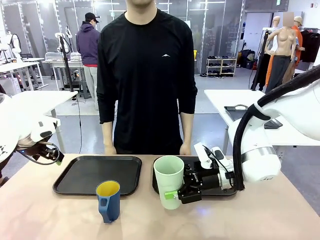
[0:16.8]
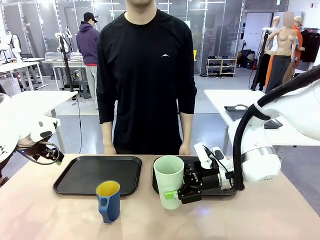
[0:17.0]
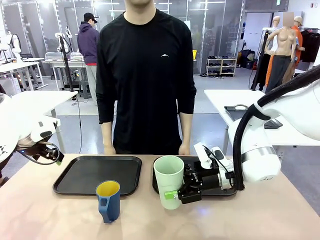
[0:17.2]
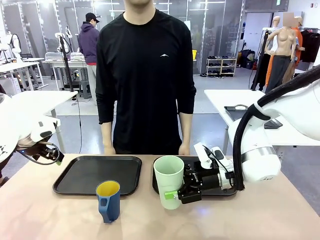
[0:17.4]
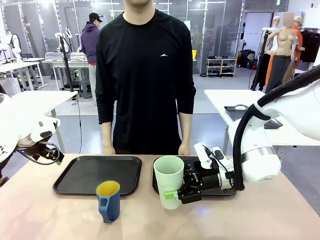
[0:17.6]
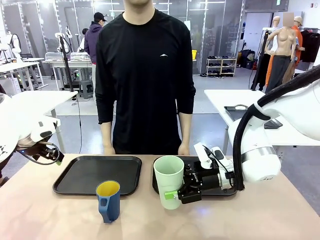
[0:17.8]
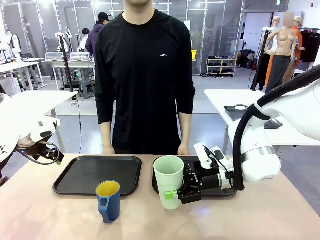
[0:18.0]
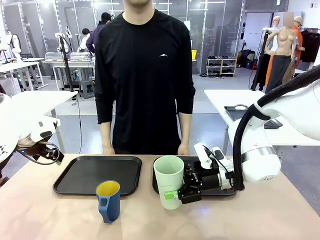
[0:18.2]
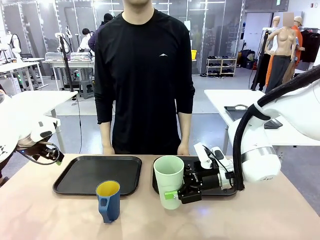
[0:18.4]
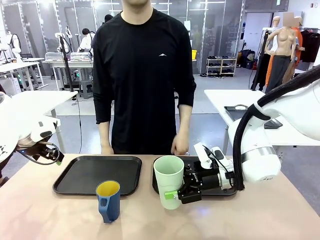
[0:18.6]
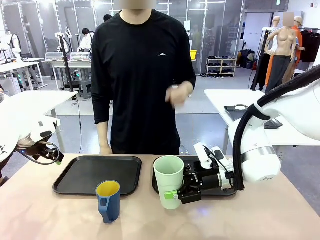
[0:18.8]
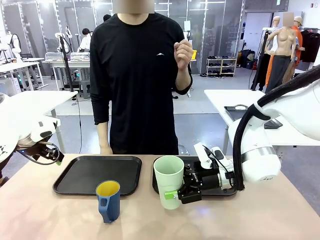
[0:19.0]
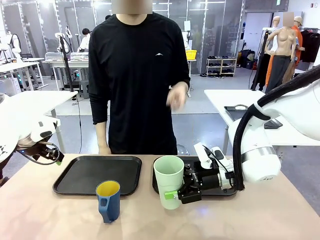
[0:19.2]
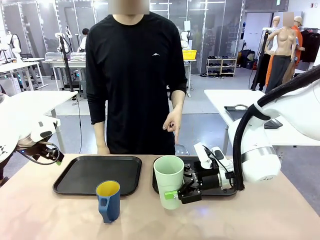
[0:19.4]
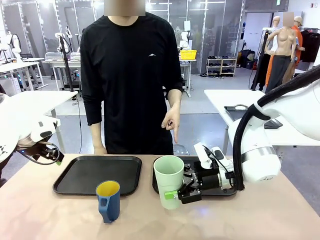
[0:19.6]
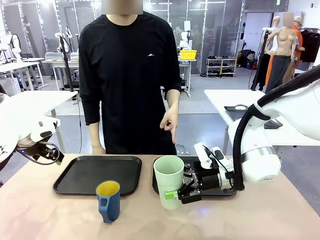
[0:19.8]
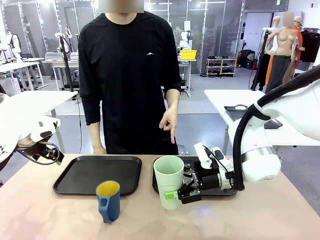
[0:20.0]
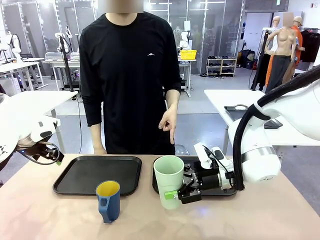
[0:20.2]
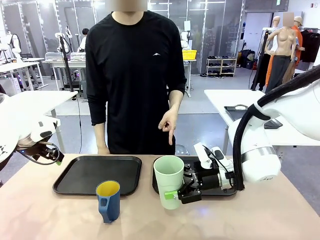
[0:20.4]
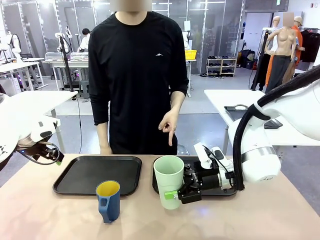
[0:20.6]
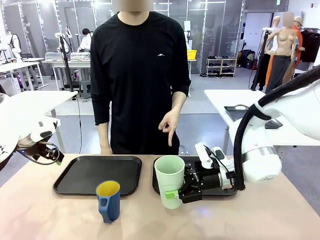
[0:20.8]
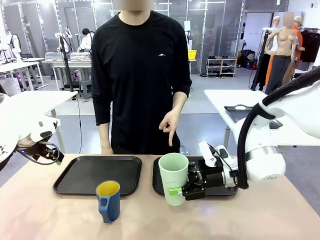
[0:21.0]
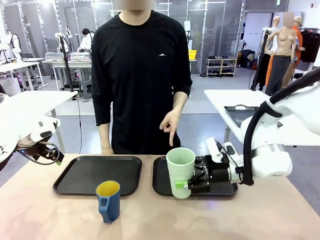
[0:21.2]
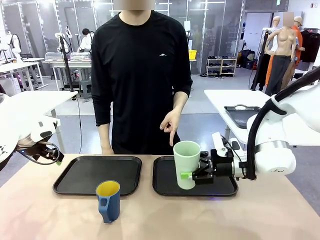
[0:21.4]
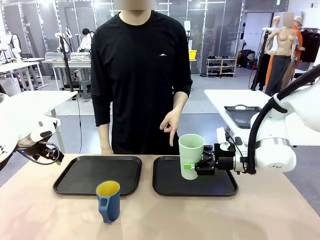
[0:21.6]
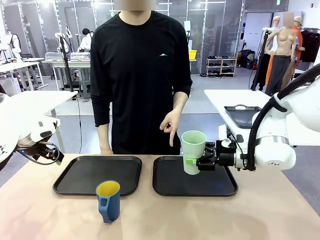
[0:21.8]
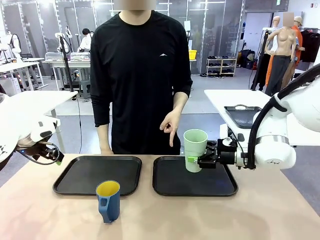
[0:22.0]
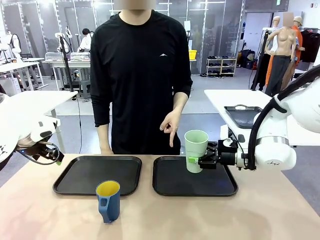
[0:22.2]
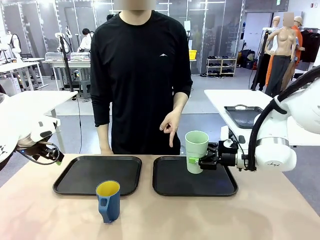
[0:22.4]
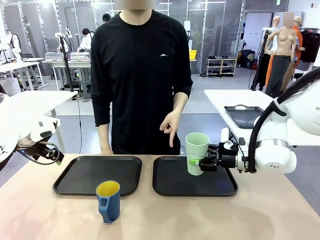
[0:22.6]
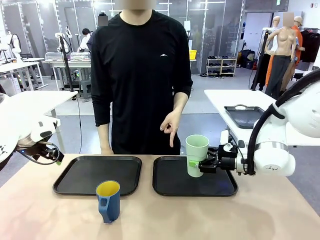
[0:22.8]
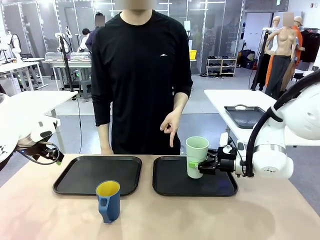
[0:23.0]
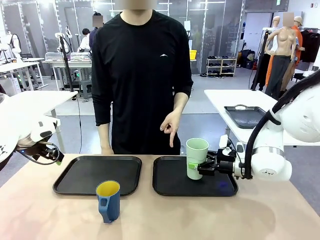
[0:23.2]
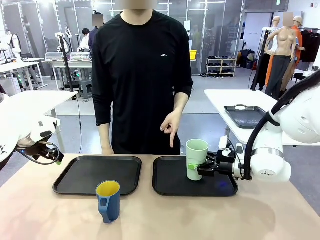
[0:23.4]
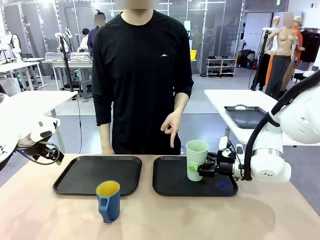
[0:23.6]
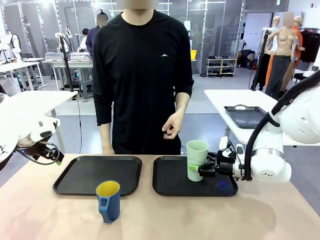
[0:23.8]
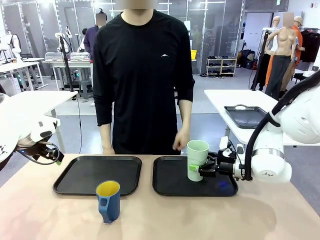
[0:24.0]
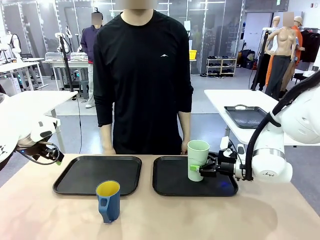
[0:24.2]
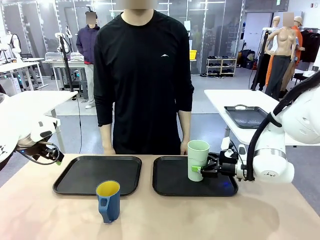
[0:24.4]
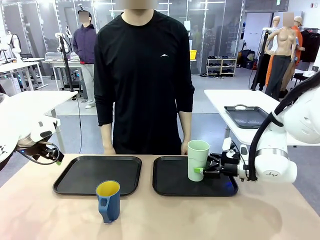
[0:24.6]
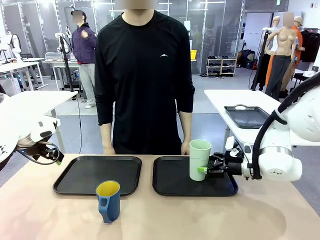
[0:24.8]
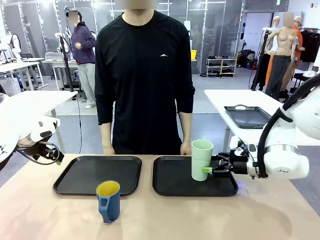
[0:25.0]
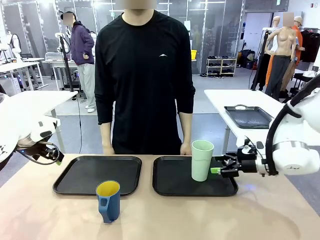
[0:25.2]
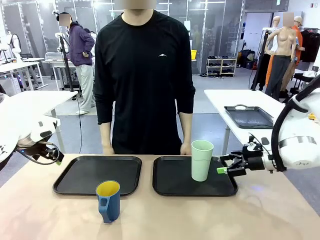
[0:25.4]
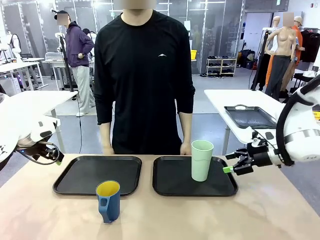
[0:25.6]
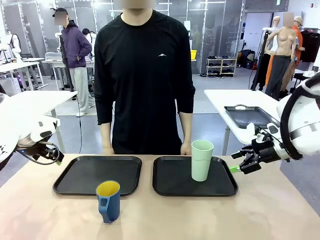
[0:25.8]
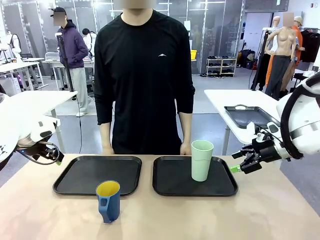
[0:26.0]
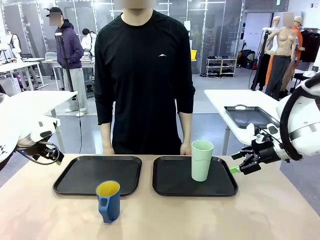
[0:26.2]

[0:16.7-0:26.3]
Task: Sort and store the cups by type.
Robot: Place the picked Reusable plastic cup into the Flat Tray indicated by the person.

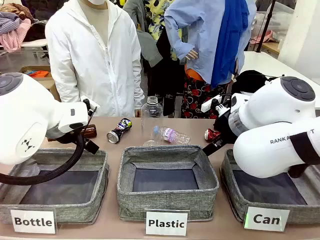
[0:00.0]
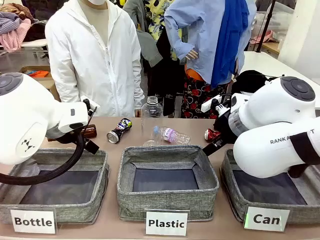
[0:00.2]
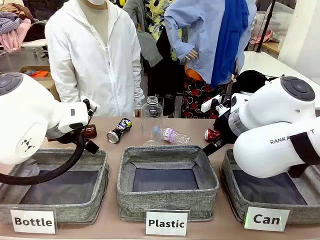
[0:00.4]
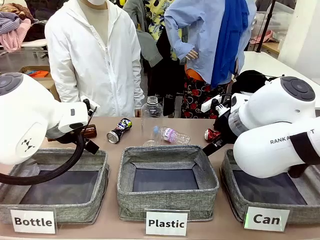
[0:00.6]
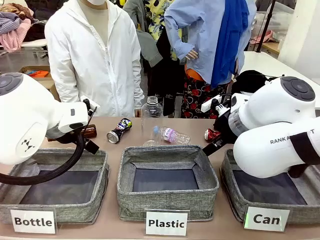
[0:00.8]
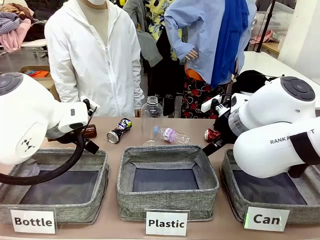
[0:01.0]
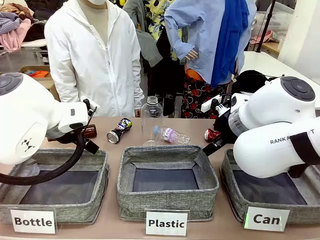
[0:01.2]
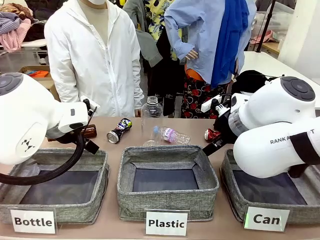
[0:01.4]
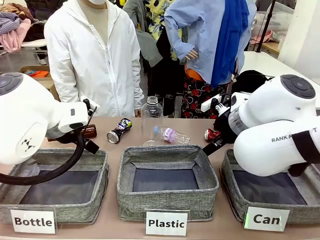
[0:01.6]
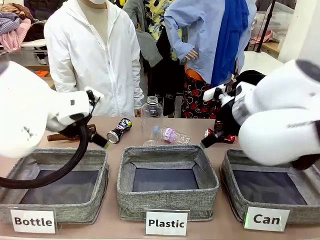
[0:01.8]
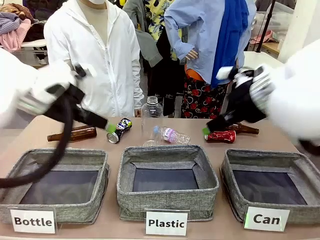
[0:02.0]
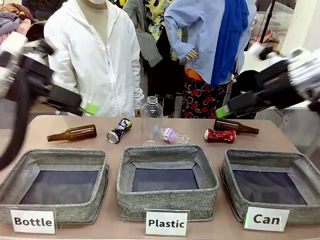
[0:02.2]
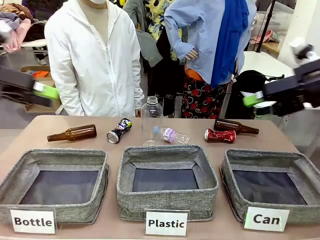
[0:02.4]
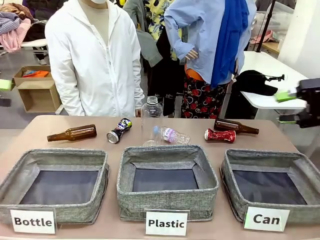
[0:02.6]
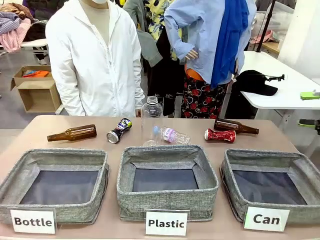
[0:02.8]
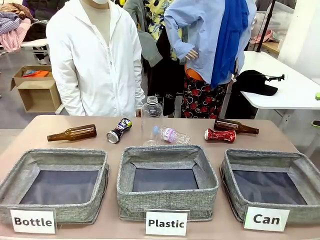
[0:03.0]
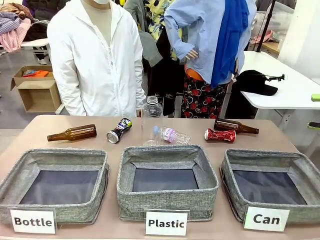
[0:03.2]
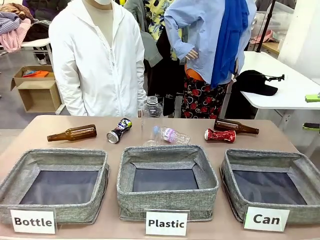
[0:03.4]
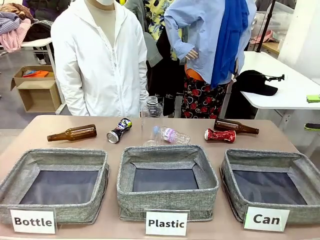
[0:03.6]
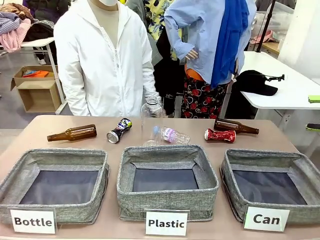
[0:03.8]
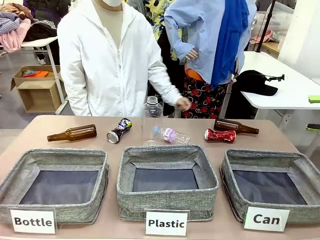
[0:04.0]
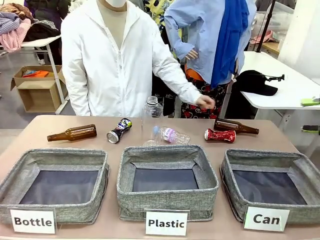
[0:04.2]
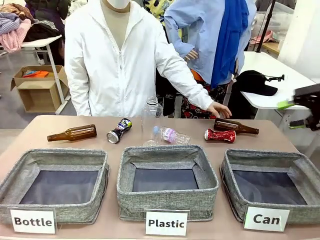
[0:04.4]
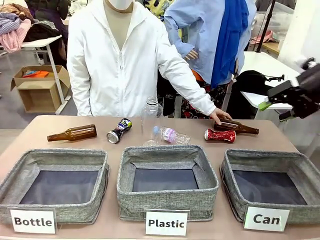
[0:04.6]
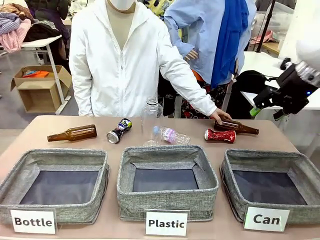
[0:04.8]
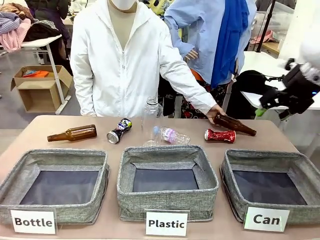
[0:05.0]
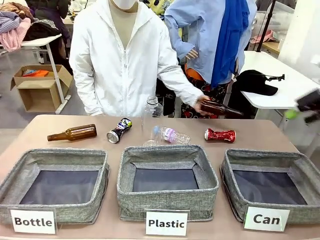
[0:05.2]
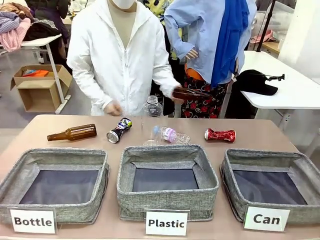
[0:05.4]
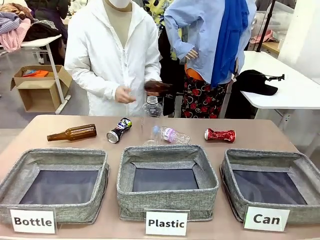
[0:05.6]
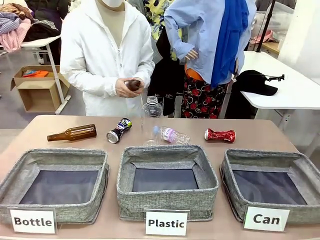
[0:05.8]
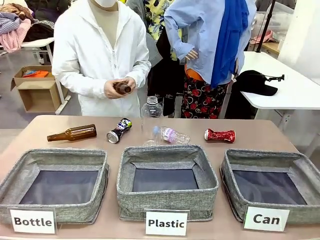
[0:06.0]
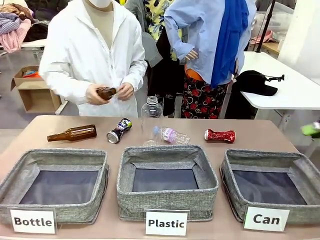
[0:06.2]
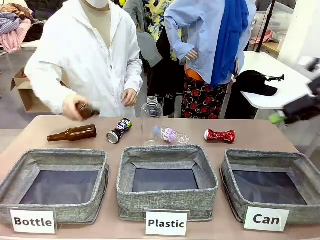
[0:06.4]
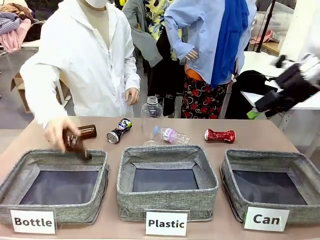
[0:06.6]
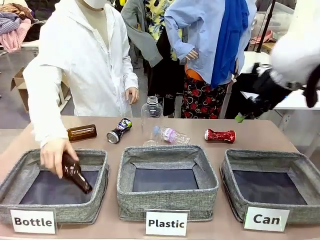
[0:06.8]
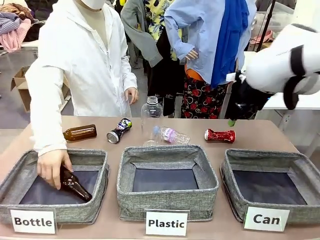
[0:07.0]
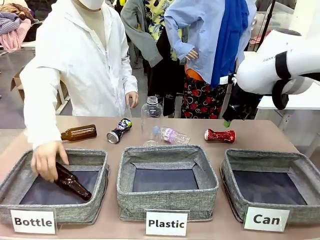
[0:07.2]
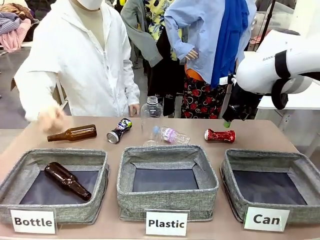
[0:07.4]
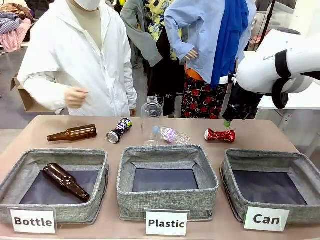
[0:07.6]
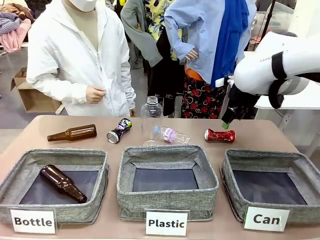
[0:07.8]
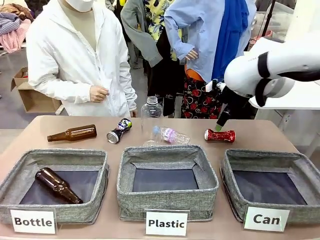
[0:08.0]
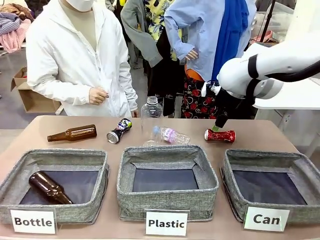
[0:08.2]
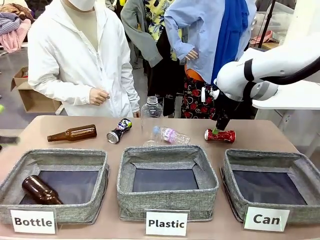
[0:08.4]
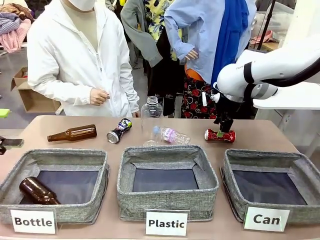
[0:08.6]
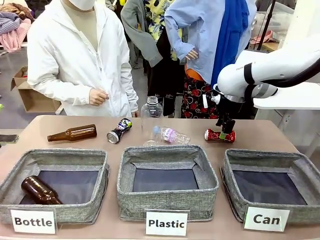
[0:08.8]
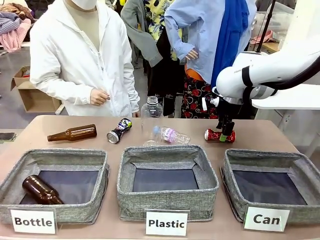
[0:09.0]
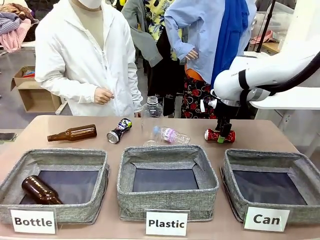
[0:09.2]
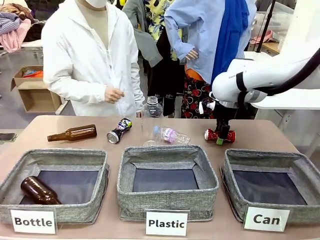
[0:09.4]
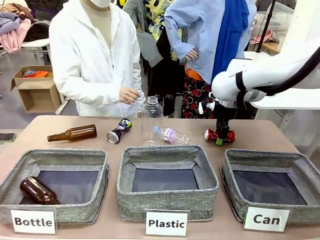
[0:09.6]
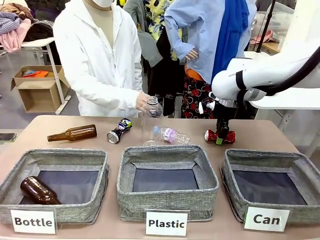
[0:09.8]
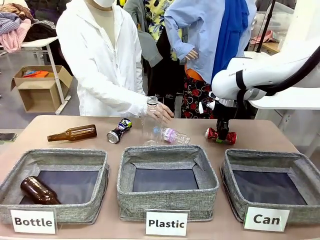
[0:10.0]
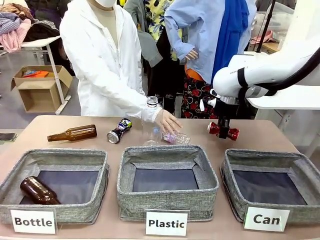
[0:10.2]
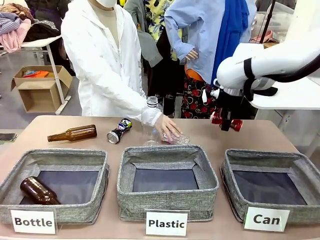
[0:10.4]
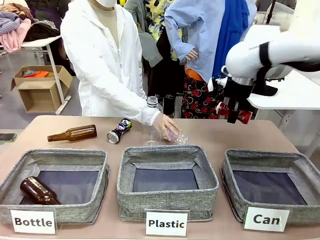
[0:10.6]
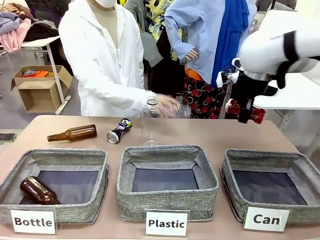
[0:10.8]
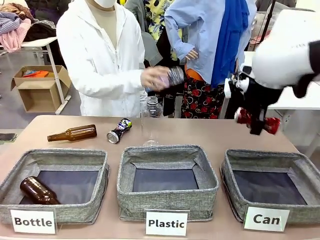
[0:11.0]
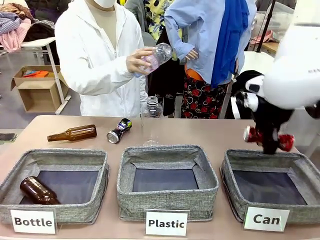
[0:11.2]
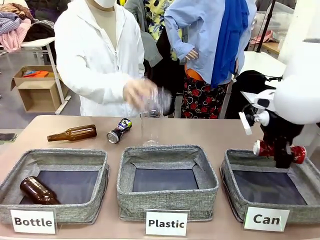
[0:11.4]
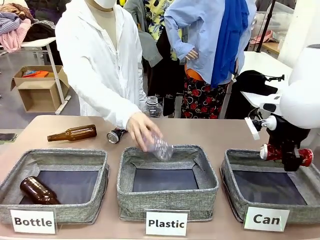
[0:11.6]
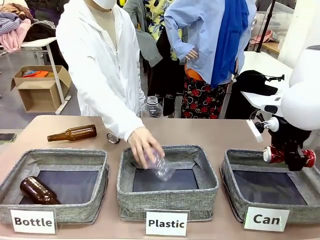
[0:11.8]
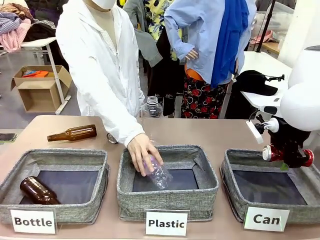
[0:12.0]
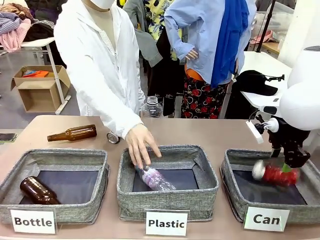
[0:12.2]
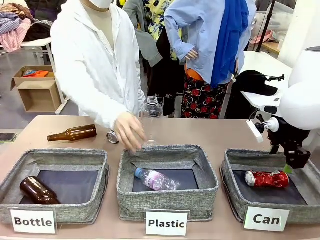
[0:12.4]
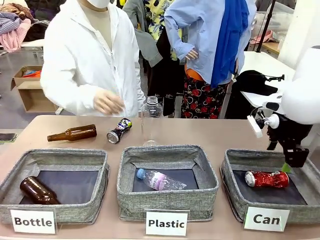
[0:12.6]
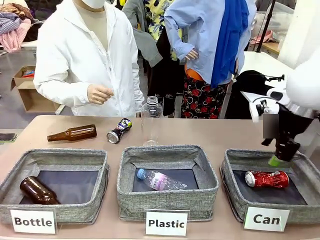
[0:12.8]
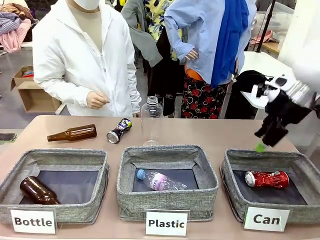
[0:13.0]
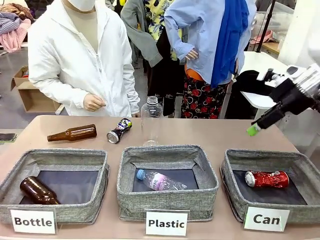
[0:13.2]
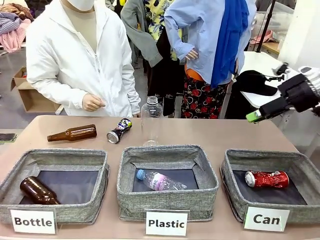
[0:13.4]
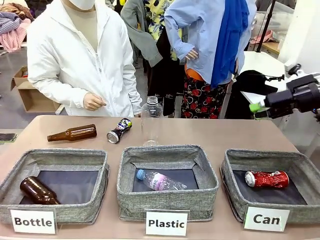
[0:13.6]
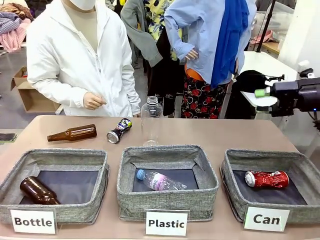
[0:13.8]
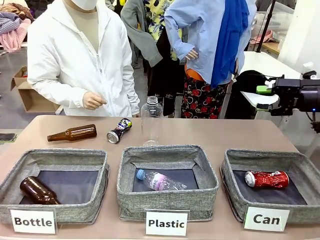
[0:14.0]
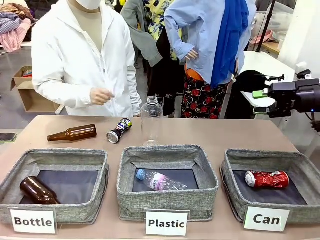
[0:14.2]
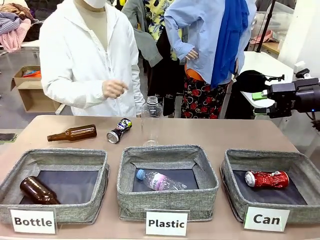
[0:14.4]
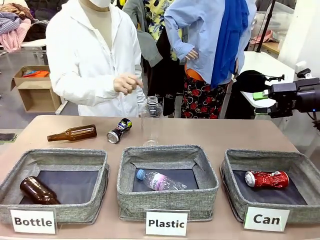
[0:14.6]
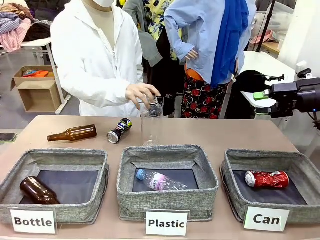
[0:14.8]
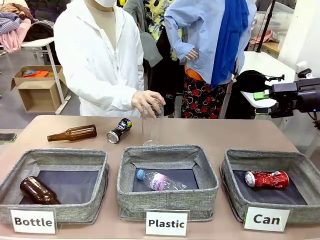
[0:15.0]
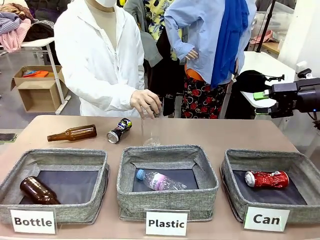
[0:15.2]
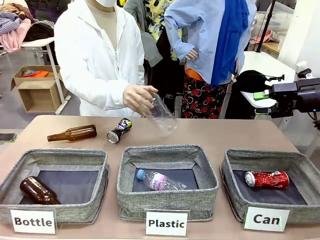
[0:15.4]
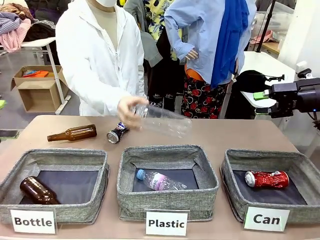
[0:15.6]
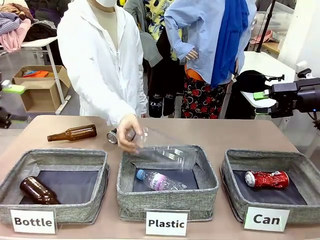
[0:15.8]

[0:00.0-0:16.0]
Task: Sort the can waste into the basket.
Robot: Pick up the can waste from the table and place it in the right Fabric basket.
